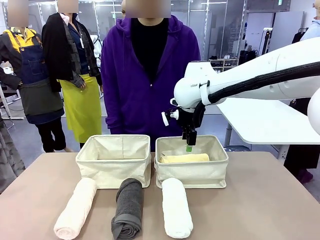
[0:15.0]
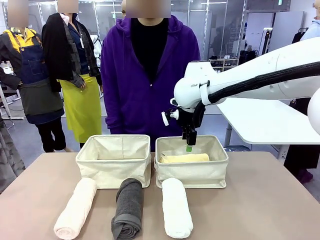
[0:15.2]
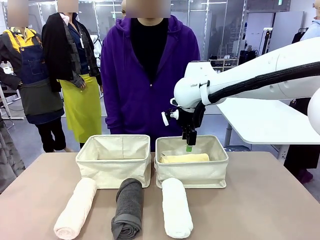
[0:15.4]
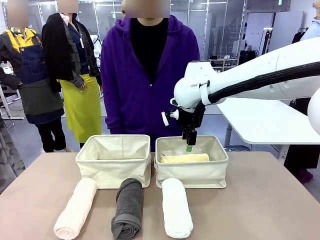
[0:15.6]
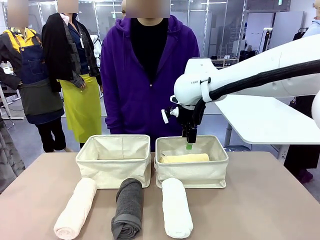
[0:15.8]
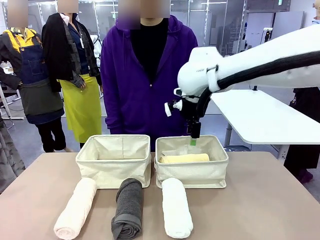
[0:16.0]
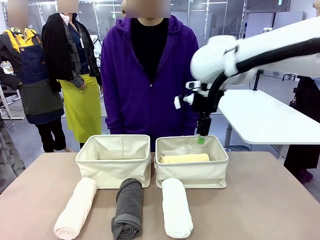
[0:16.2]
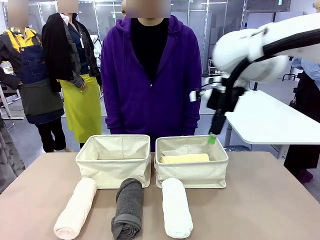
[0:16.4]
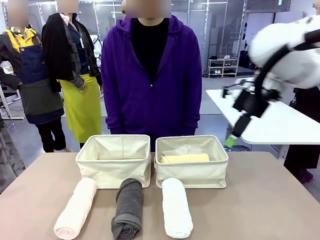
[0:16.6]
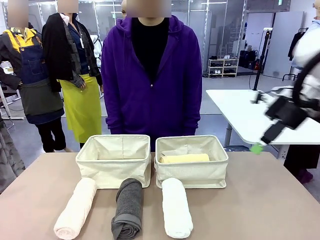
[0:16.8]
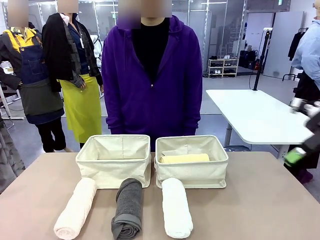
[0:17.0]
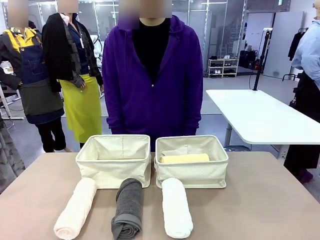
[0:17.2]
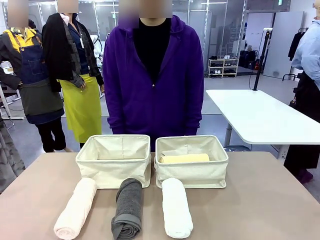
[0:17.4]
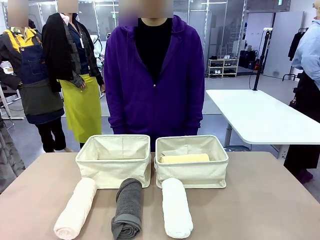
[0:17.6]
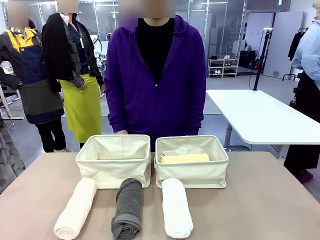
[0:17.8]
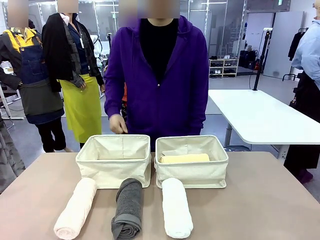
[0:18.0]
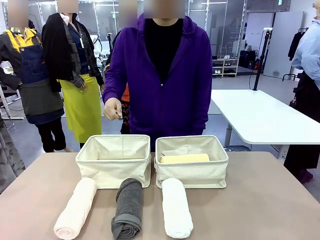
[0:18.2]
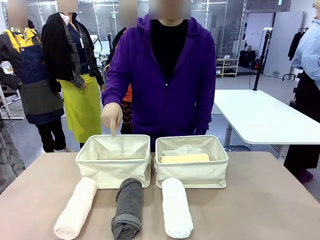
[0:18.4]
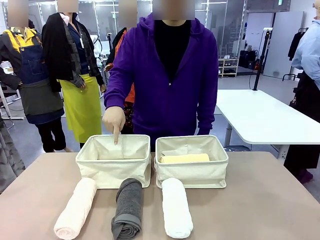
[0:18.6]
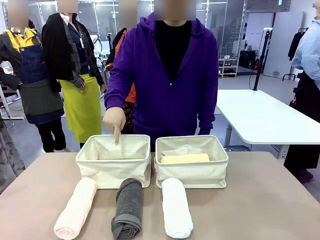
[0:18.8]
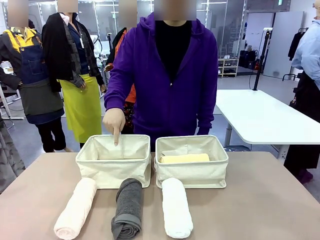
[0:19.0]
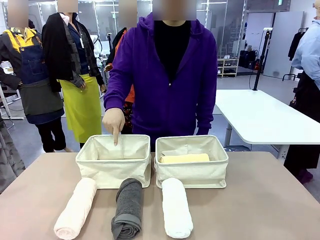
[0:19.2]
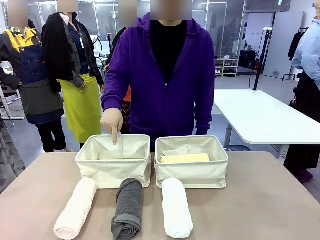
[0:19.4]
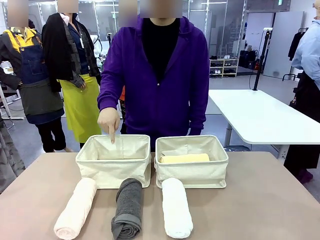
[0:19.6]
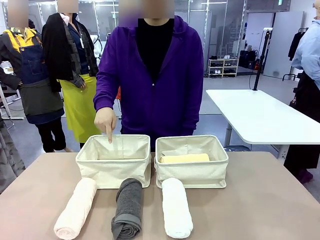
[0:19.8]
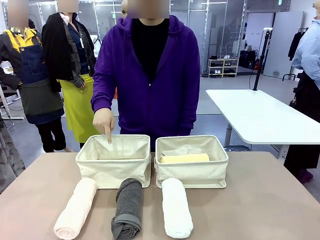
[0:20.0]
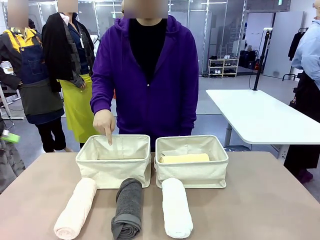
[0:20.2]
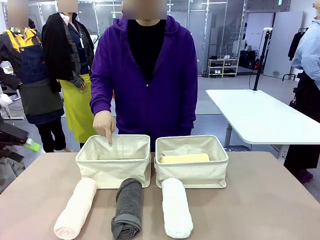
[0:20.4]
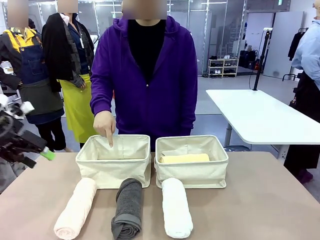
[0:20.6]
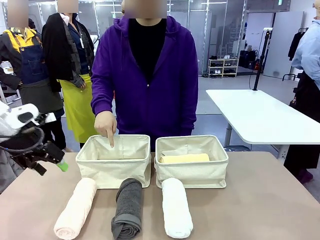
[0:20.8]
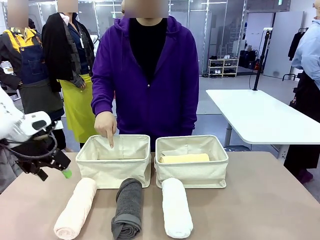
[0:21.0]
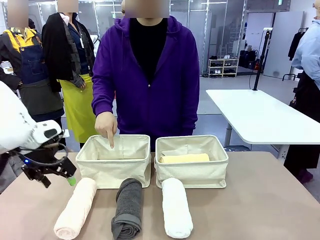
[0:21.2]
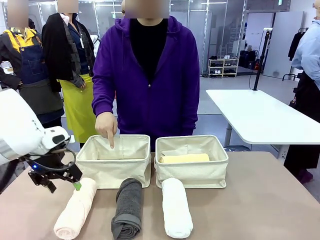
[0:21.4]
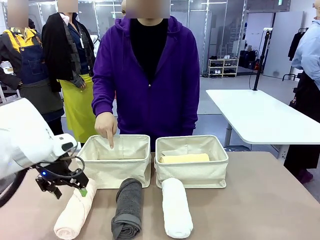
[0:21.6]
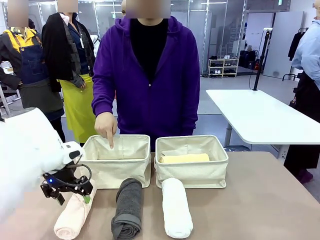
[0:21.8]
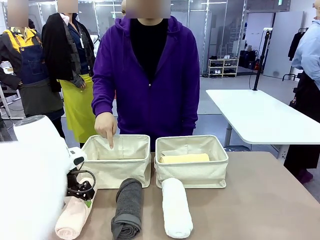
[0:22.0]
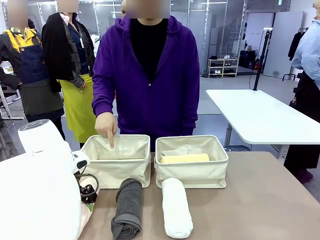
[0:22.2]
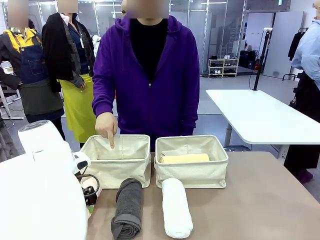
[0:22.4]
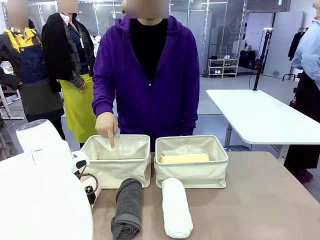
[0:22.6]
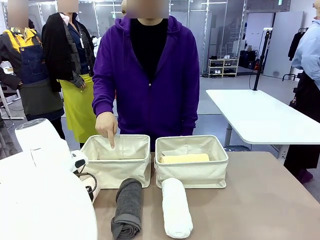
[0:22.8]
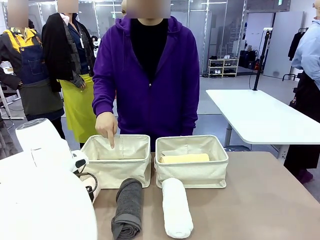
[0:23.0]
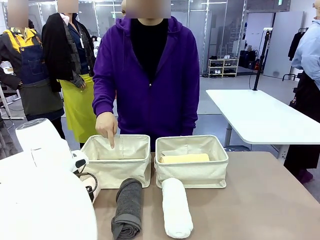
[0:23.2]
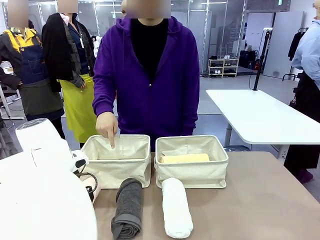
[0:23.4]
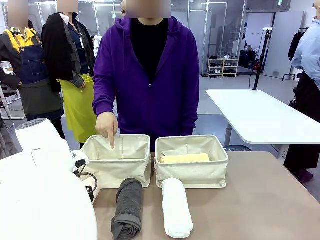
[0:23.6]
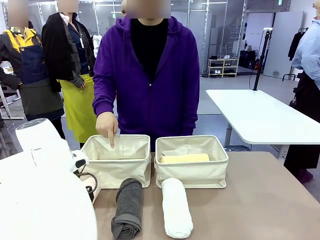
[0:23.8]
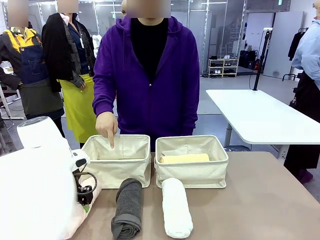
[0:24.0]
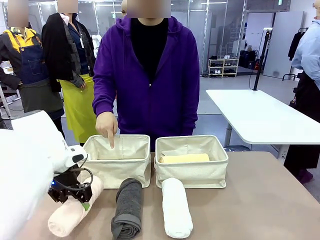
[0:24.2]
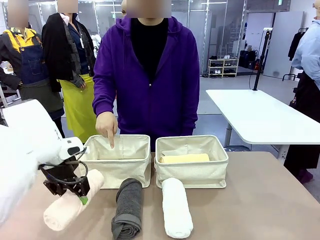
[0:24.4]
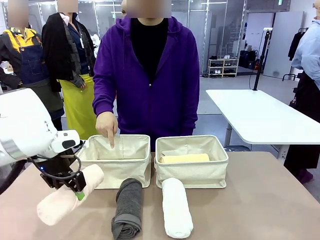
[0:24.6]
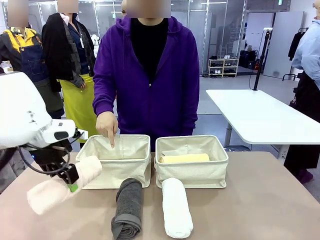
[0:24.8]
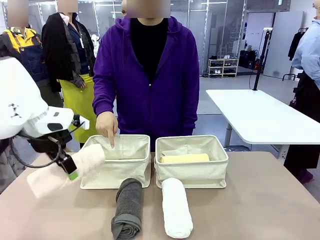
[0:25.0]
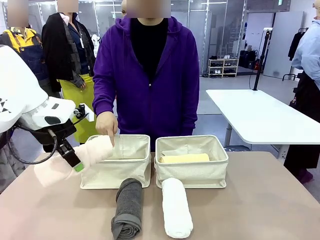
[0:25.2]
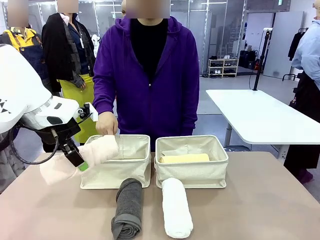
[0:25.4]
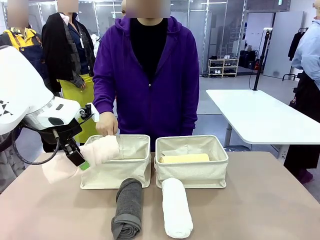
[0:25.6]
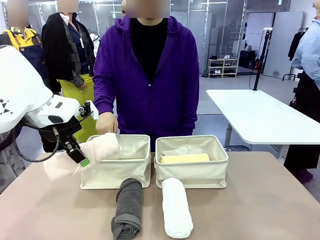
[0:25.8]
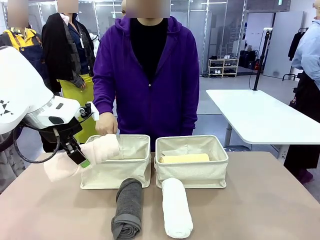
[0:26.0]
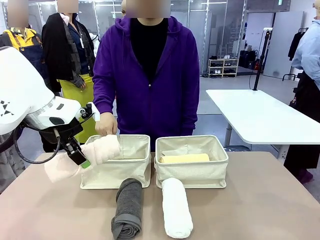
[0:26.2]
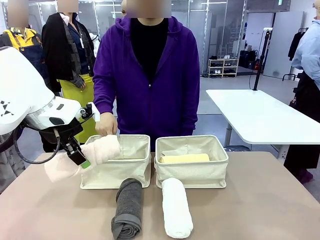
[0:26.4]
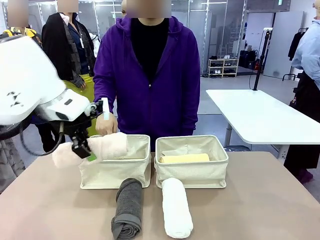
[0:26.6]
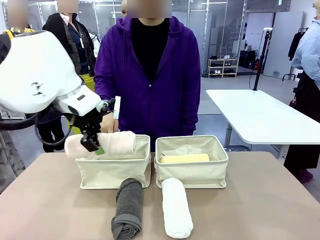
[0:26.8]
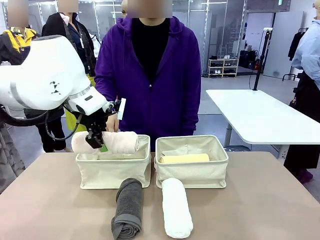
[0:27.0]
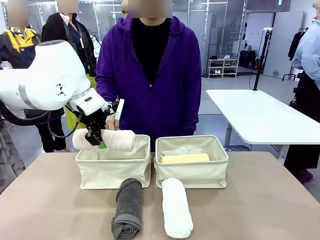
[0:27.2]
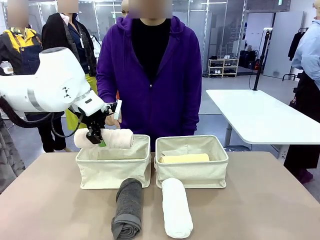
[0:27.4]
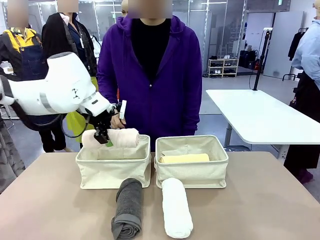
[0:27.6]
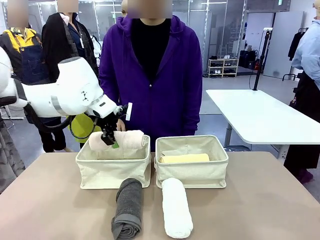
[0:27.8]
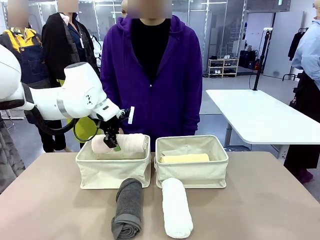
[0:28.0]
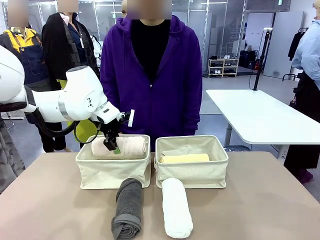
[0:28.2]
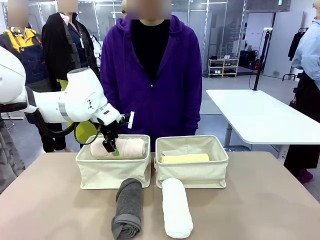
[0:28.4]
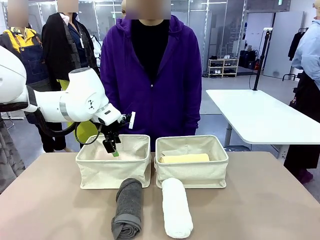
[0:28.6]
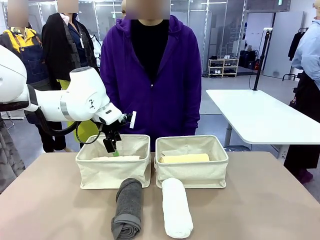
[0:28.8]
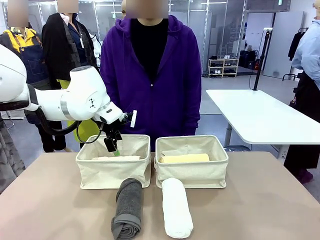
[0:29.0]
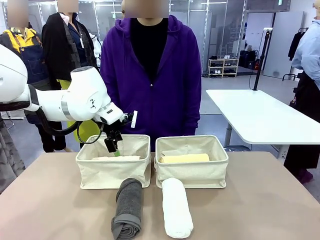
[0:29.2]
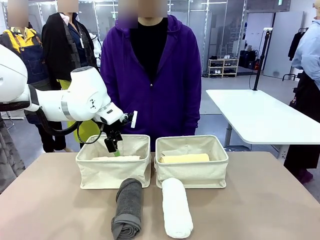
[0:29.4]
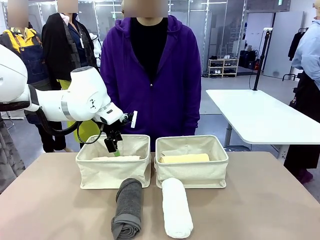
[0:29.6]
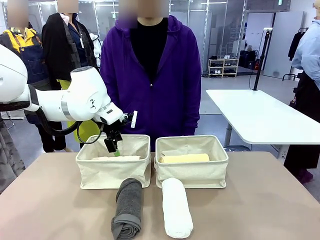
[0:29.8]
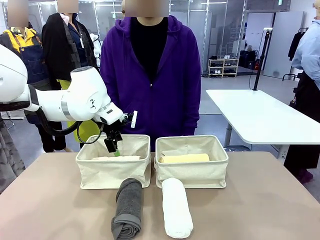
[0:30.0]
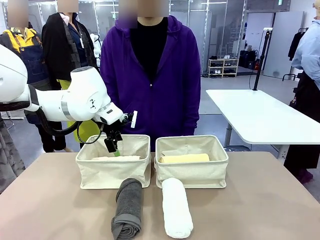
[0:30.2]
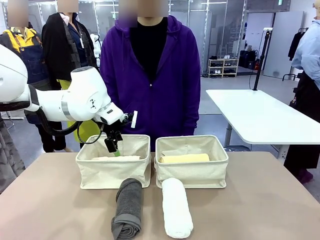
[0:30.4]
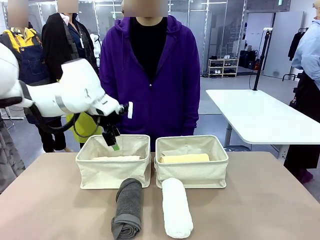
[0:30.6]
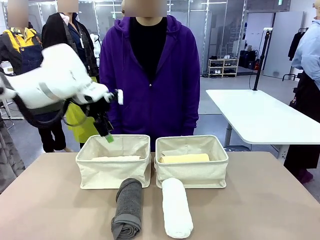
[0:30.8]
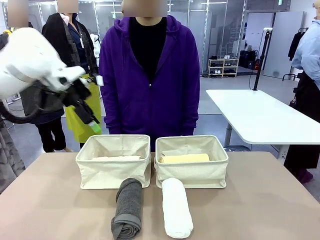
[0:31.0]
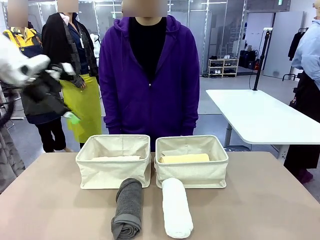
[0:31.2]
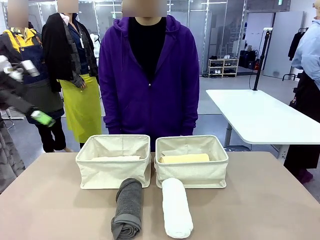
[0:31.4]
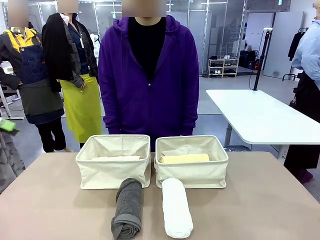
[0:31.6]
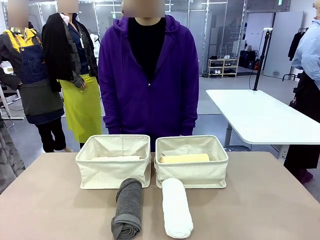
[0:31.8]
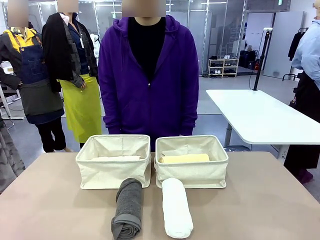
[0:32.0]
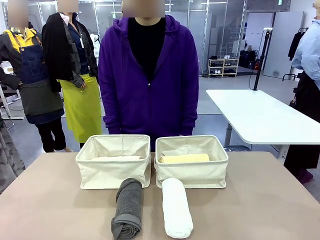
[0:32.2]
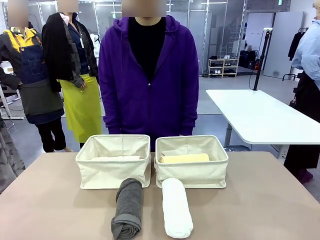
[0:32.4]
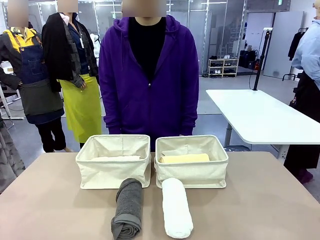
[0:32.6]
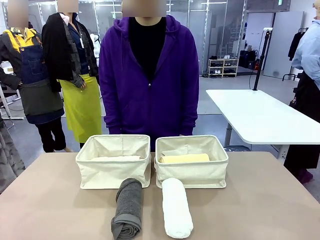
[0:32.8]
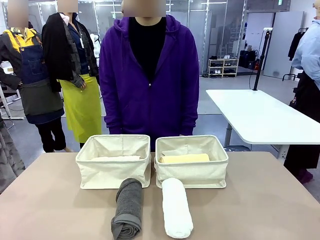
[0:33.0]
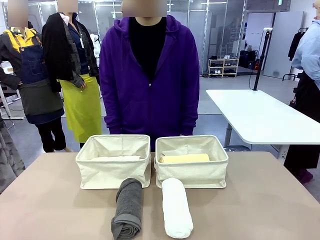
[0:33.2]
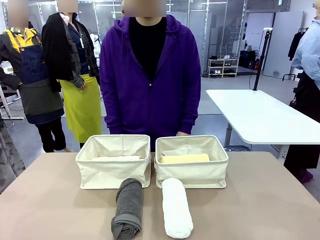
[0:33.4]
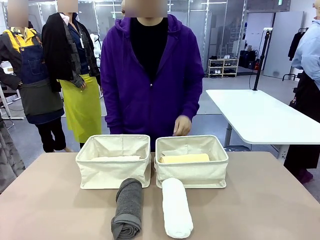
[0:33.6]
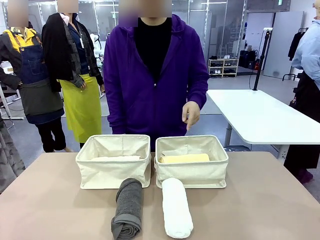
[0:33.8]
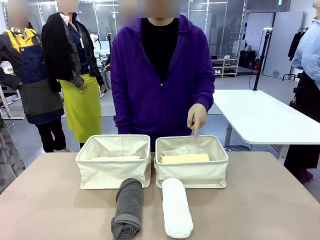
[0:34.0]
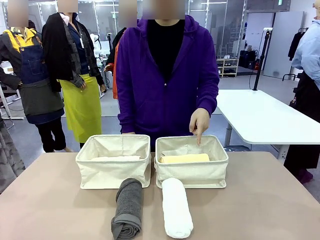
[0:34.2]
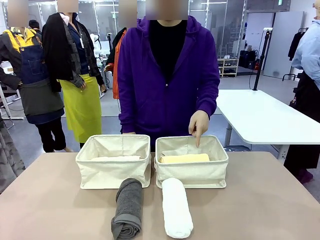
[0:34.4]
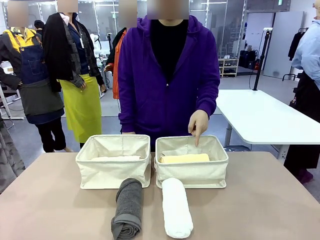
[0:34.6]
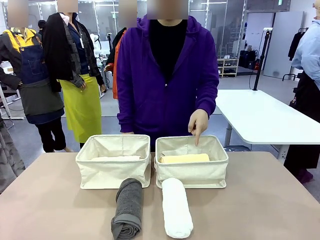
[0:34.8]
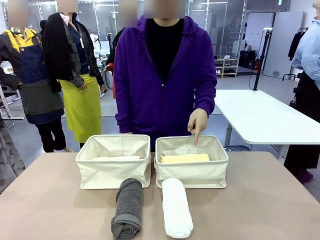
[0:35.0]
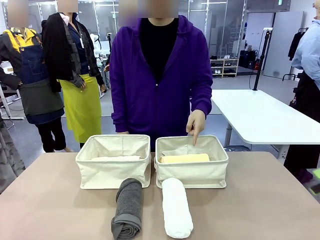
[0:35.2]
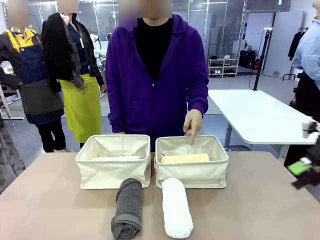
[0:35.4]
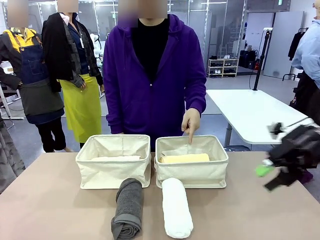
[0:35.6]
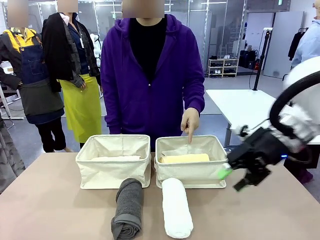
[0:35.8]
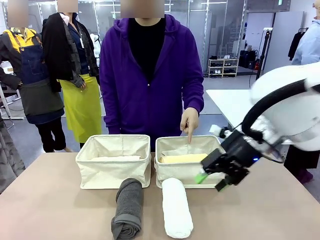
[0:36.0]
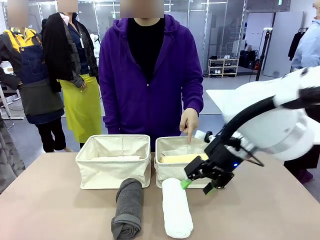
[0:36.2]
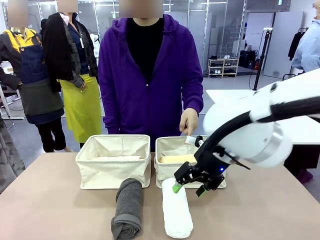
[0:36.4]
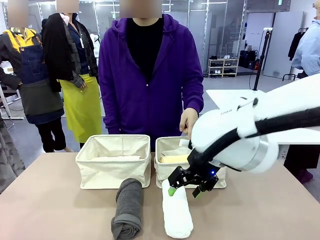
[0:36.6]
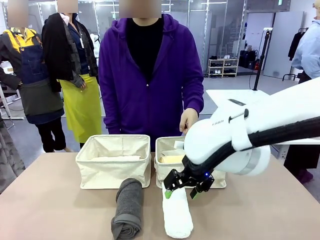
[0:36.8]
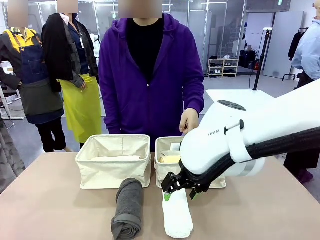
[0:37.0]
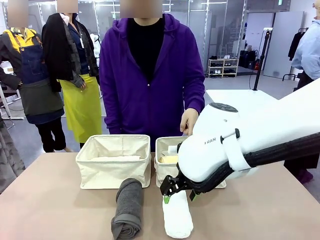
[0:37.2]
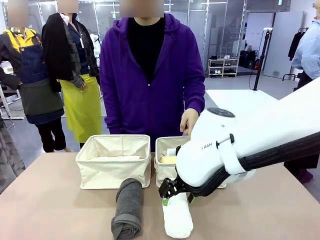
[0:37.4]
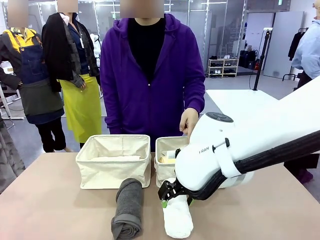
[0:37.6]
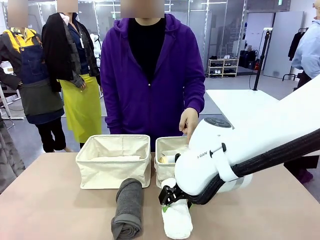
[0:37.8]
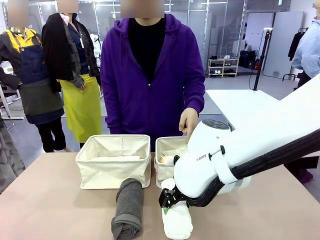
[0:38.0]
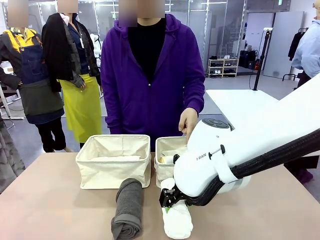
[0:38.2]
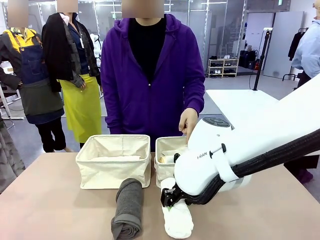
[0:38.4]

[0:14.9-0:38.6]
Task: Divide the towels into two baskets.
Robot: Pick up one hotel-folded towel from the bottom of the table and place it in the Fabric basket indicated by the person.
